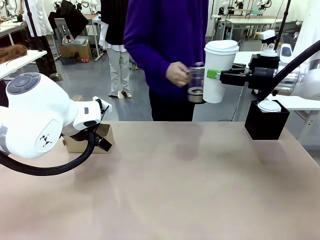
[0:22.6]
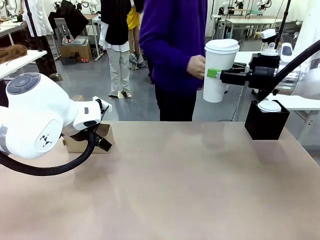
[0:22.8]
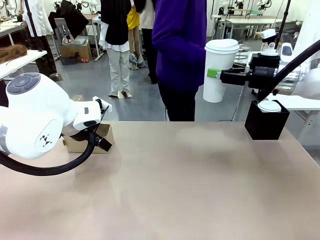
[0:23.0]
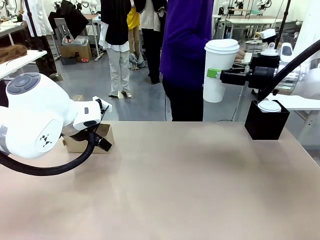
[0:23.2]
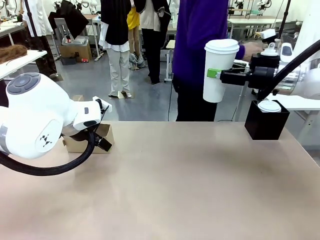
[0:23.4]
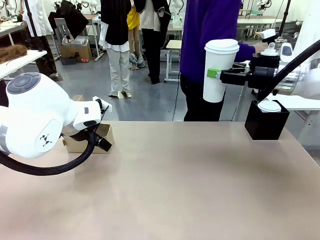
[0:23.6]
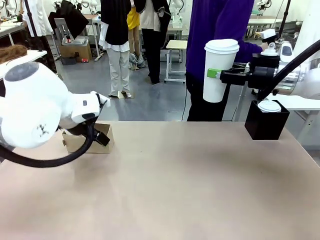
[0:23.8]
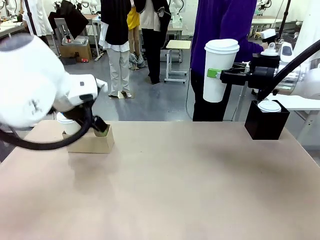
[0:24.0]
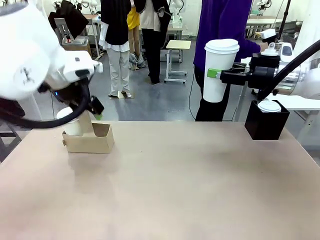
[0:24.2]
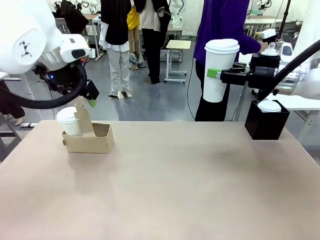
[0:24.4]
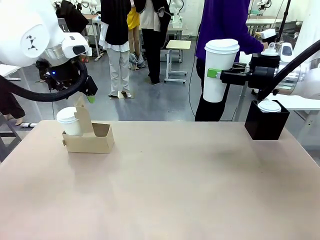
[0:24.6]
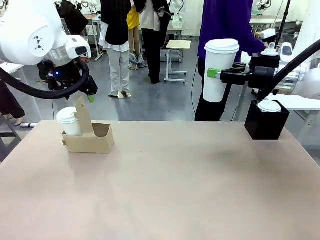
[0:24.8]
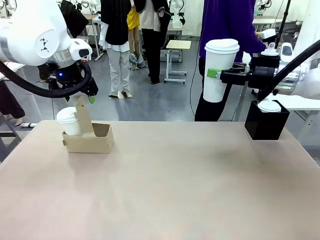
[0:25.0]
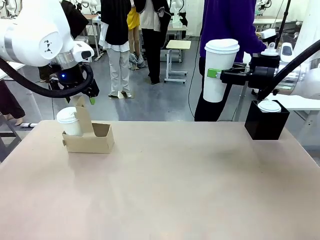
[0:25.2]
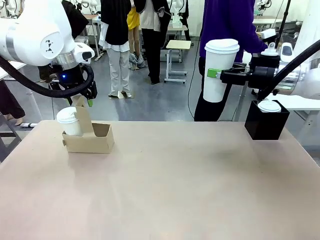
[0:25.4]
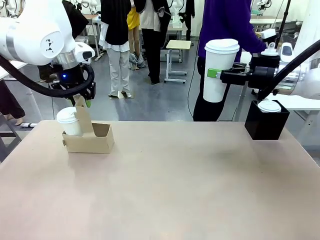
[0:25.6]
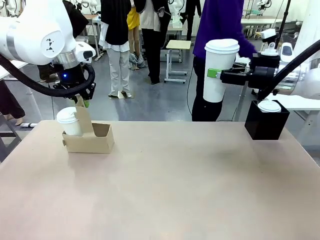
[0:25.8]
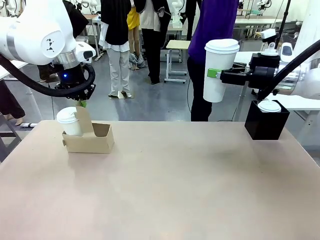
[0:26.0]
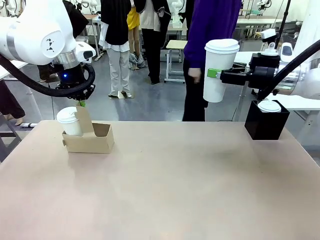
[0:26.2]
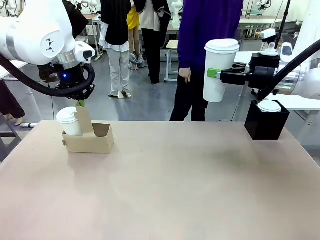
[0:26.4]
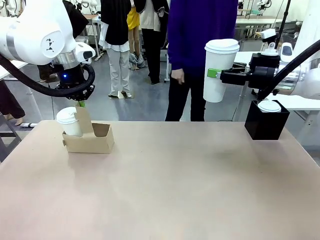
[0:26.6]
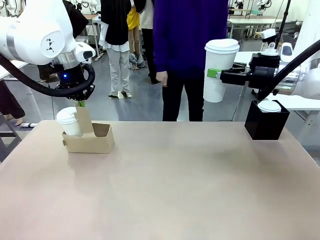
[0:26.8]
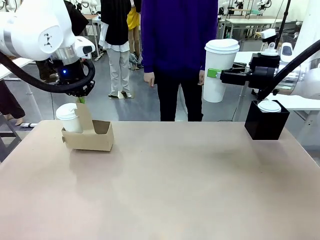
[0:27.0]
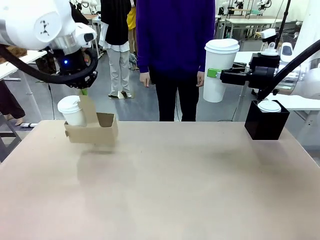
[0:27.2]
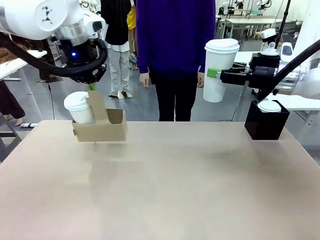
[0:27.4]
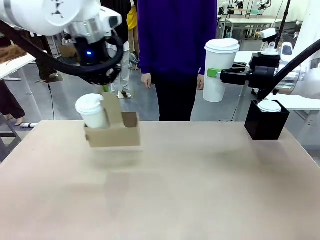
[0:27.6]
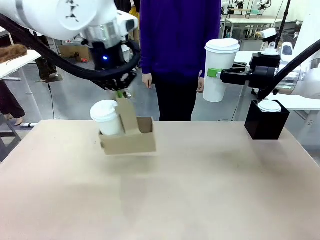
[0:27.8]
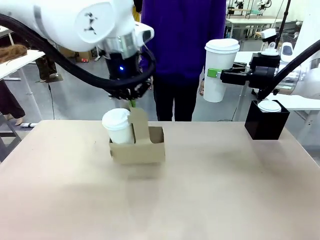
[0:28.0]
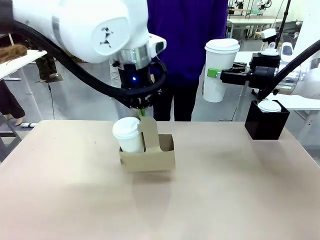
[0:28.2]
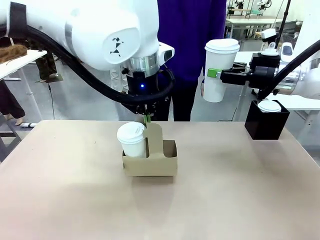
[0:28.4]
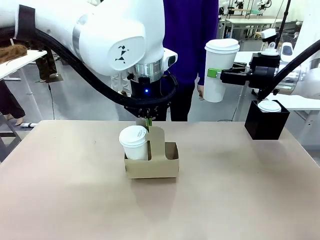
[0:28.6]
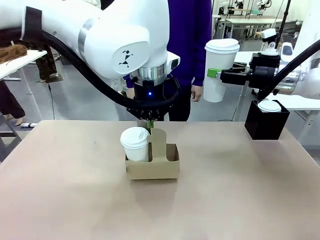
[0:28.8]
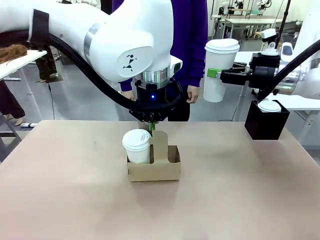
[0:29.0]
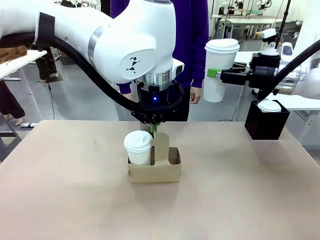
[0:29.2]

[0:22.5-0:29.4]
Task: Pour a drink into a cup and package it in a carrier.
Robot: Position the Cup Carrier in the center of the table.
Person: Pick up the Filter Brewing and place on the middle of Human table, and return to the Robot table.

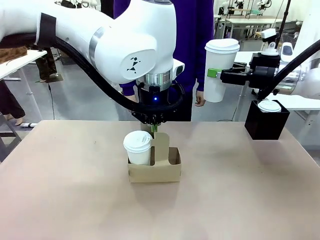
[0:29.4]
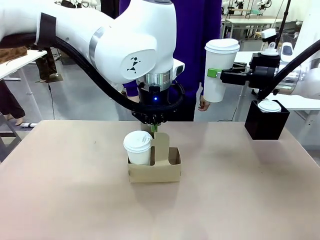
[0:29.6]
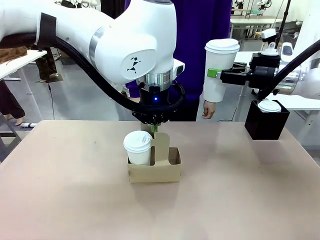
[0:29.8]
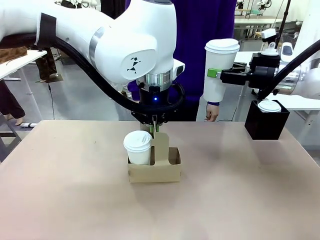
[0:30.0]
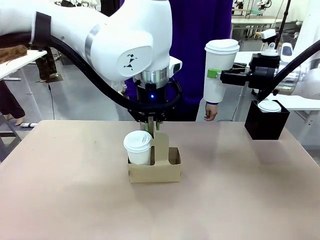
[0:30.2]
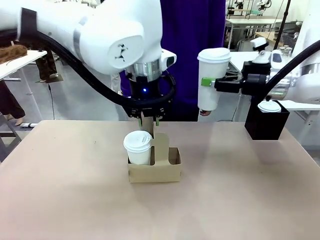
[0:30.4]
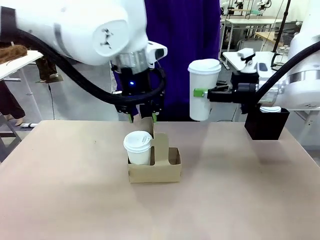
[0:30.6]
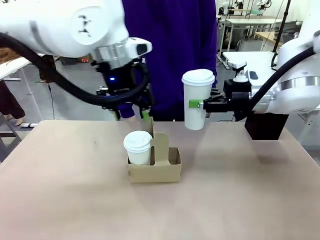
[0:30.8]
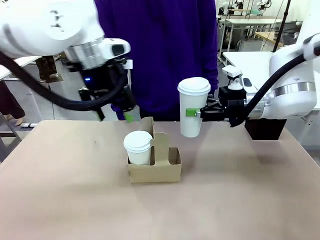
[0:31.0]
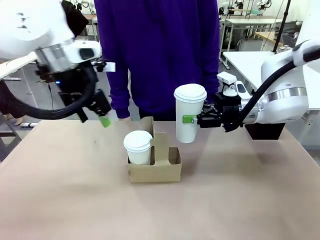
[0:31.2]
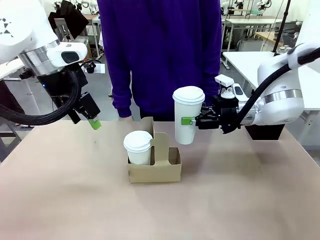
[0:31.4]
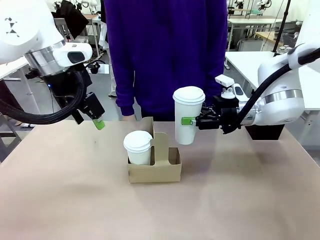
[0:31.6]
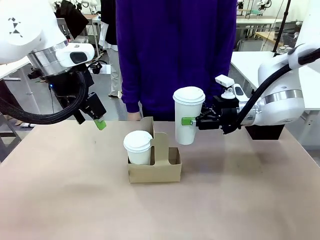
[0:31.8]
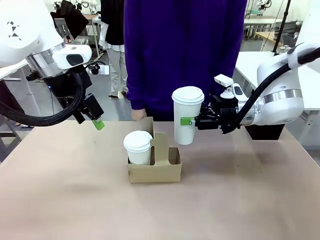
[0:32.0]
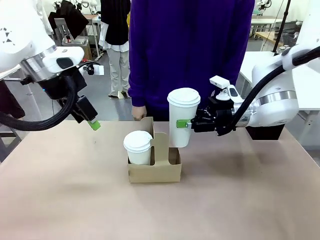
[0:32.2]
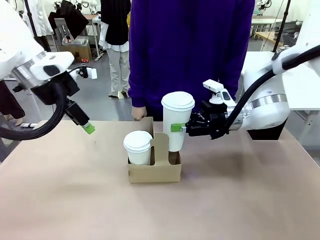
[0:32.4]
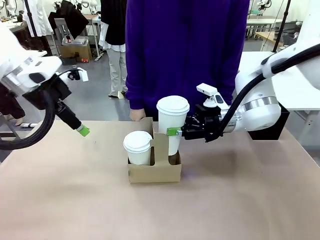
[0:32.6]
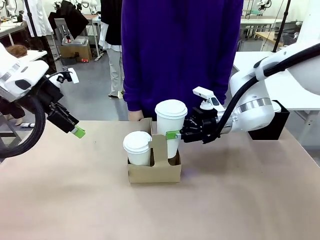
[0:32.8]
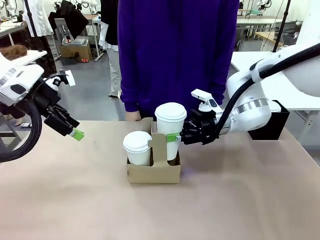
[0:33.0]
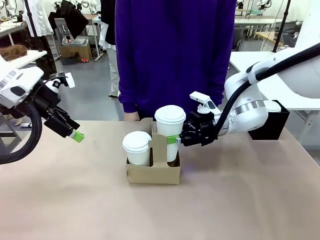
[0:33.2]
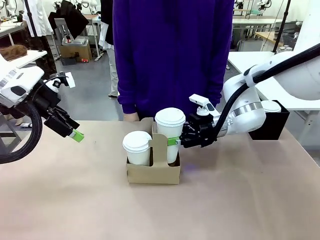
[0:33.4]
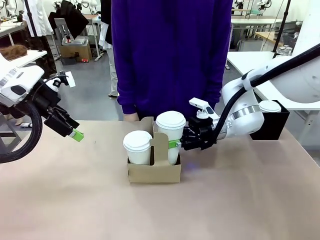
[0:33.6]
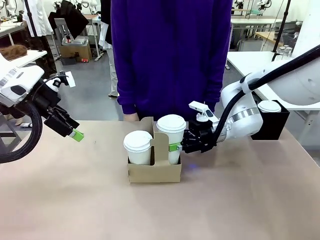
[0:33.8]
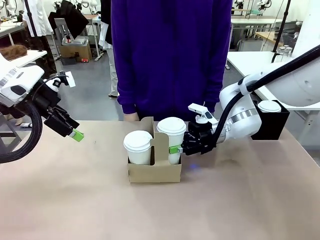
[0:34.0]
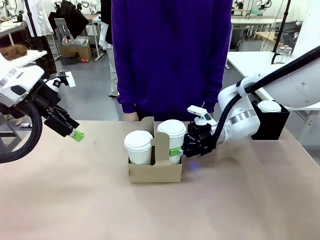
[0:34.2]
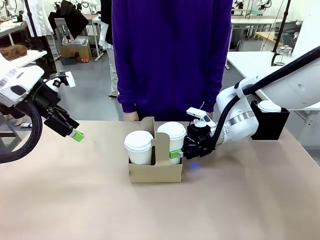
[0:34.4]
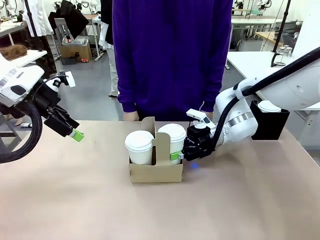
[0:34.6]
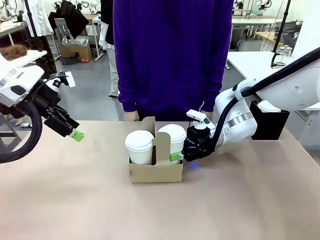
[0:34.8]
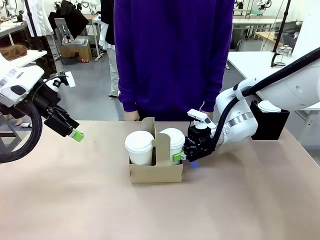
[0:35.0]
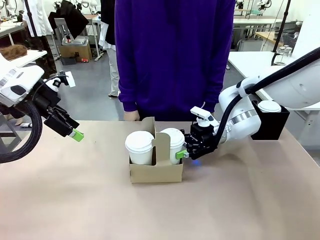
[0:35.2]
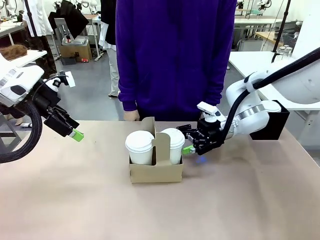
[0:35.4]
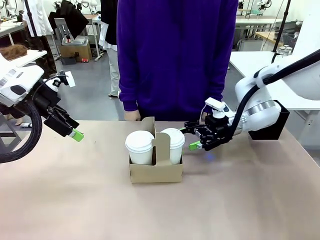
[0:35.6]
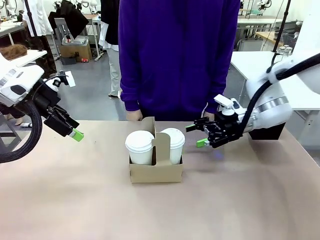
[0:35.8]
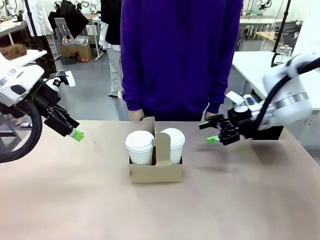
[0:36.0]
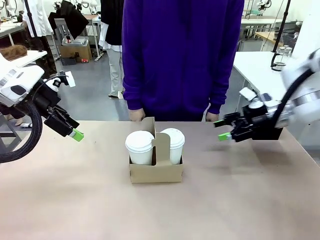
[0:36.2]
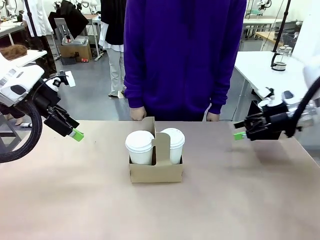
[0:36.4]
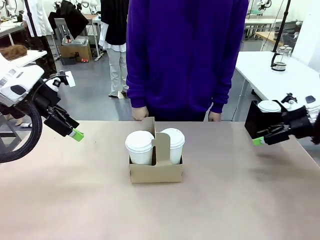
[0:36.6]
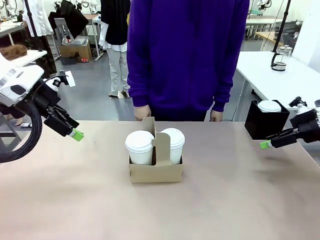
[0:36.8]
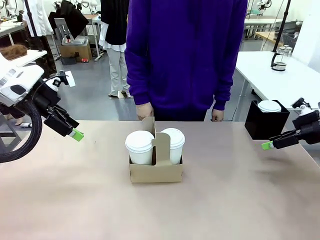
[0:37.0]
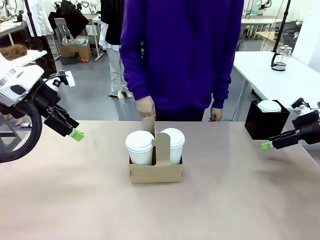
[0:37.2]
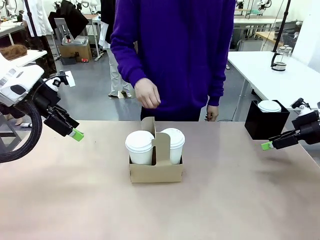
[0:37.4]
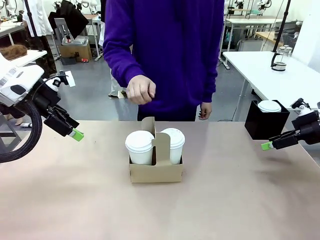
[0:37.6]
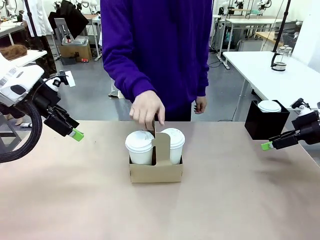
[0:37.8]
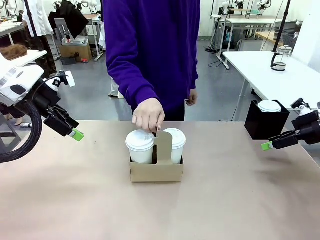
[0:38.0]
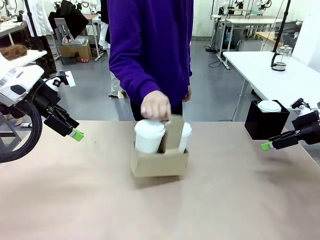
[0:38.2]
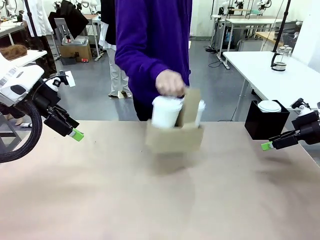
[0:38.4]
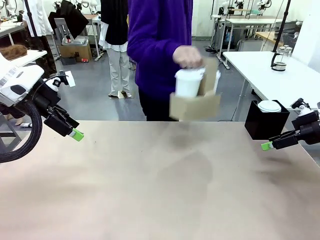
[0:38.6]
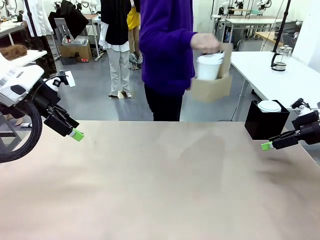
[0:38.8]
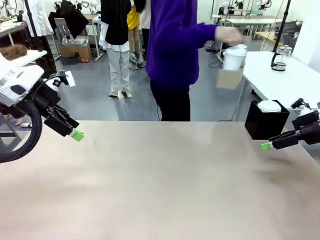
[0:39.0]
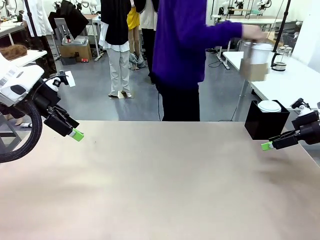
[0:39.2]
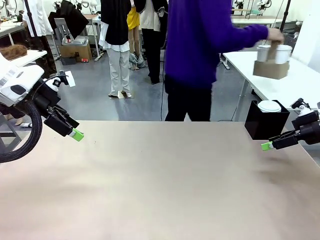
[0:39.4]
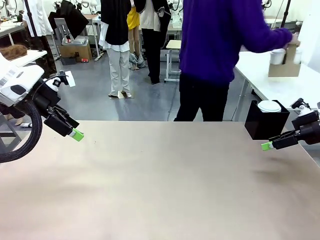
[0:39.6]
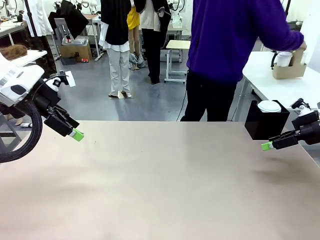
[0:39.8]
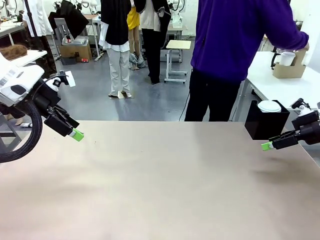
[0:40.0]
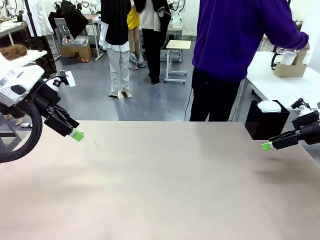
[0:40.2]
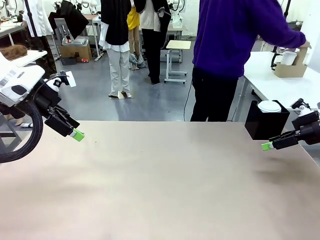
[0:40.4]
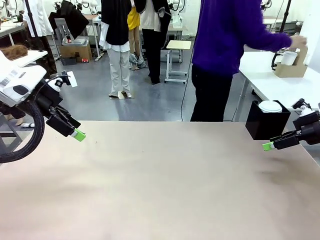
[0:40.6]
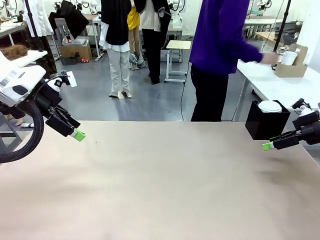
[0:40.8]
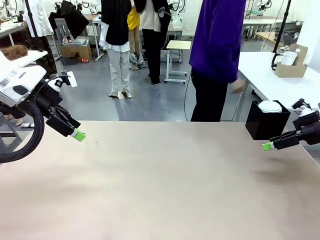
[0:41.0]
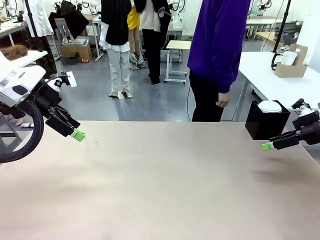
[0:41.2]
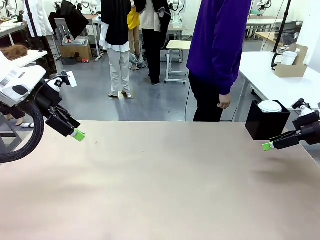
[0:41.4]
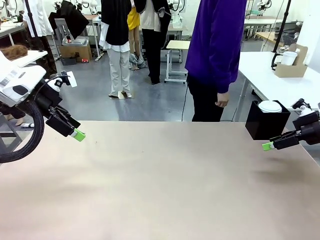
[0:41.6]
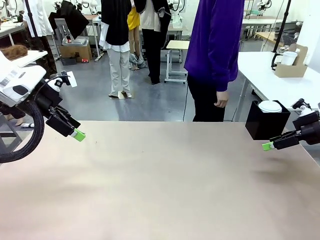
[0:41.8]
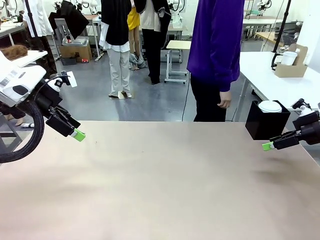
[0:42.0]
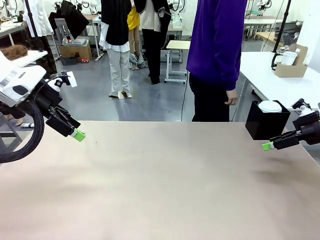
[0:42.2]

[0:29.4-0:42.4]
Robot: Insert the held 600 ml Paper Cup into the Cup Carrier.
Person: Place the Cup Carrier to the middle of Human table.
